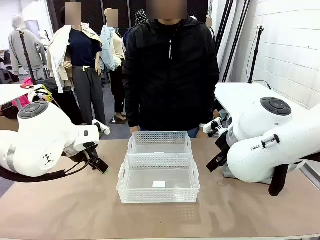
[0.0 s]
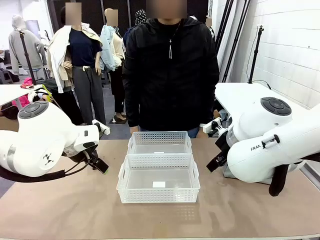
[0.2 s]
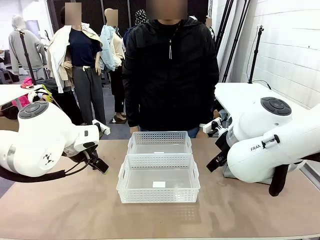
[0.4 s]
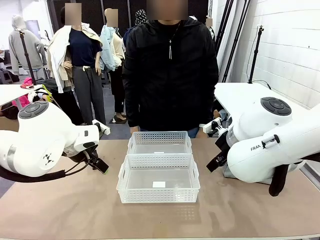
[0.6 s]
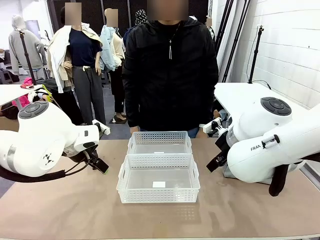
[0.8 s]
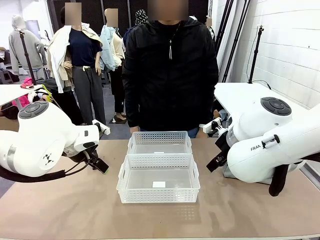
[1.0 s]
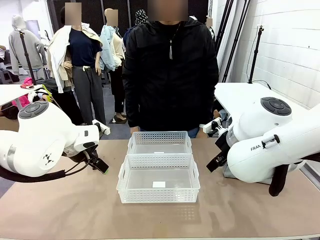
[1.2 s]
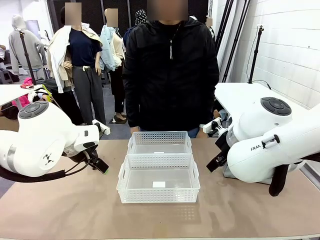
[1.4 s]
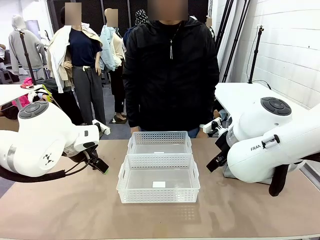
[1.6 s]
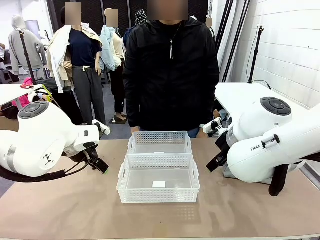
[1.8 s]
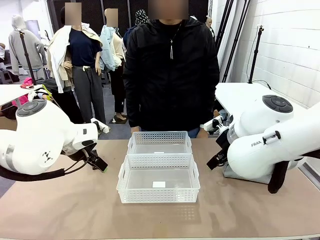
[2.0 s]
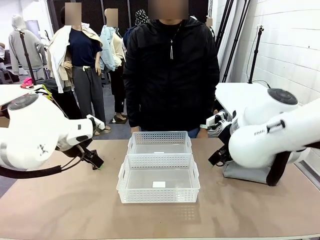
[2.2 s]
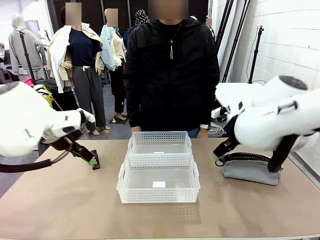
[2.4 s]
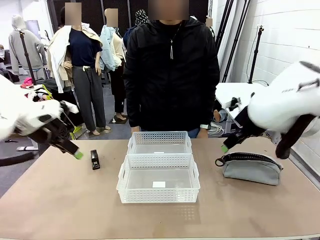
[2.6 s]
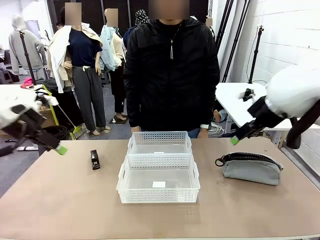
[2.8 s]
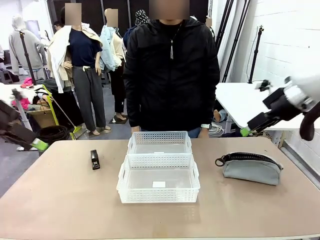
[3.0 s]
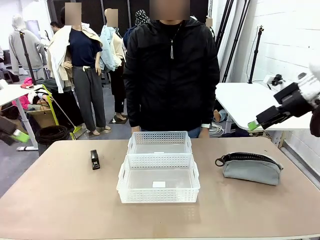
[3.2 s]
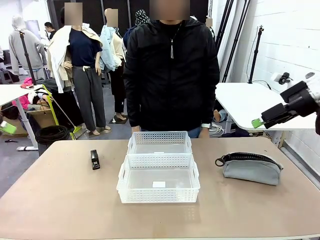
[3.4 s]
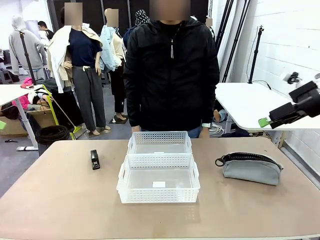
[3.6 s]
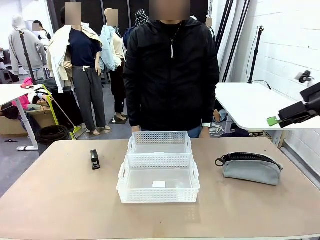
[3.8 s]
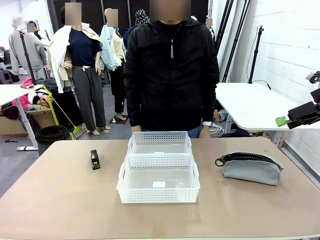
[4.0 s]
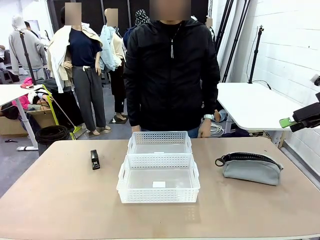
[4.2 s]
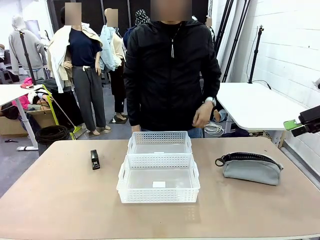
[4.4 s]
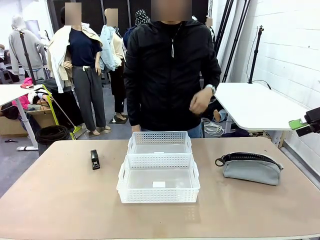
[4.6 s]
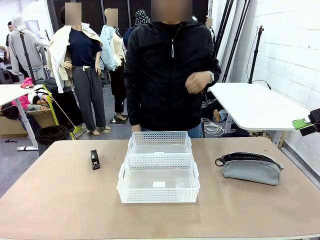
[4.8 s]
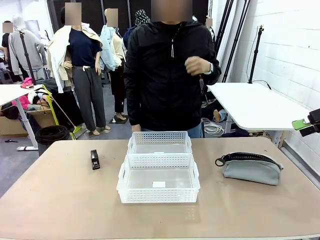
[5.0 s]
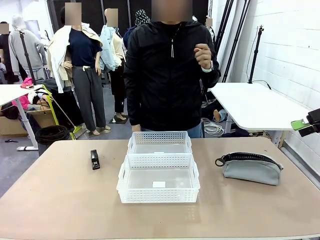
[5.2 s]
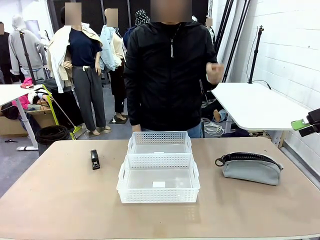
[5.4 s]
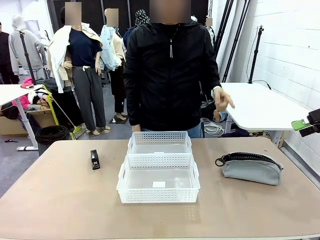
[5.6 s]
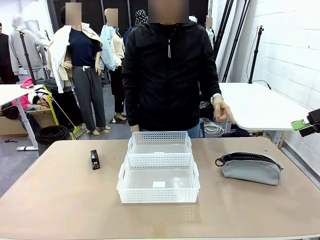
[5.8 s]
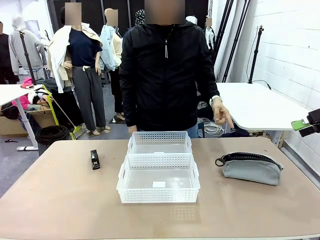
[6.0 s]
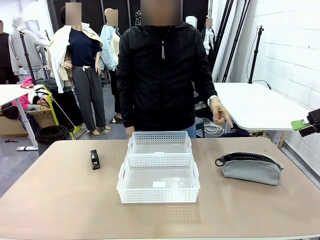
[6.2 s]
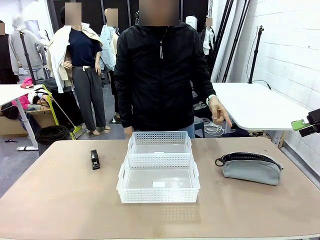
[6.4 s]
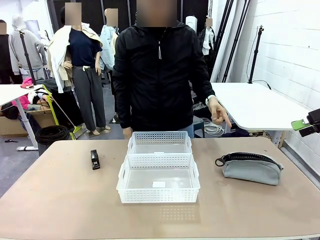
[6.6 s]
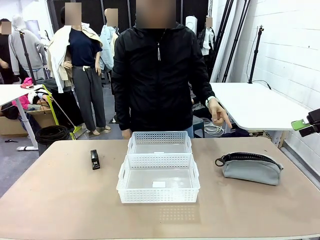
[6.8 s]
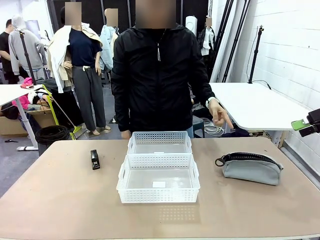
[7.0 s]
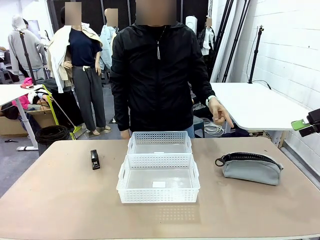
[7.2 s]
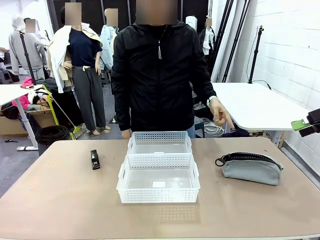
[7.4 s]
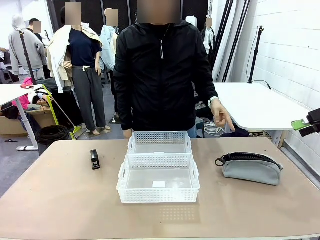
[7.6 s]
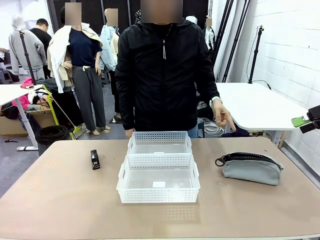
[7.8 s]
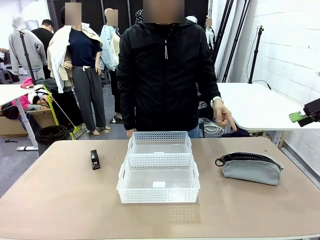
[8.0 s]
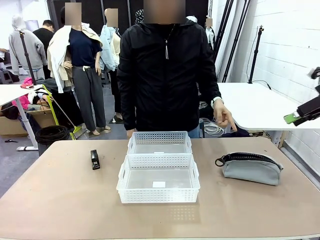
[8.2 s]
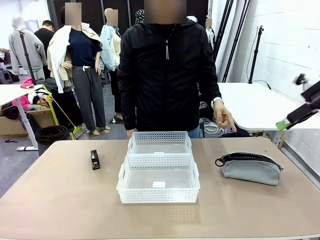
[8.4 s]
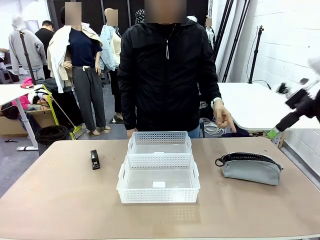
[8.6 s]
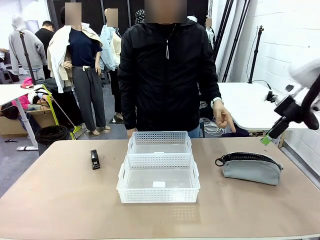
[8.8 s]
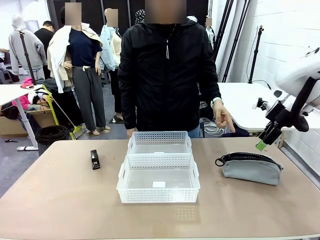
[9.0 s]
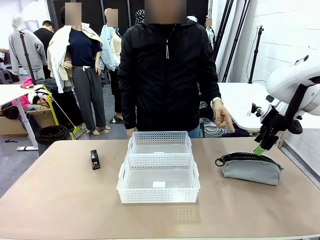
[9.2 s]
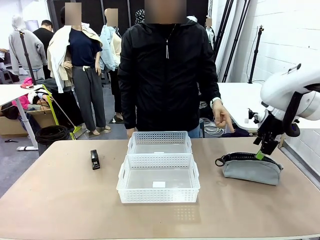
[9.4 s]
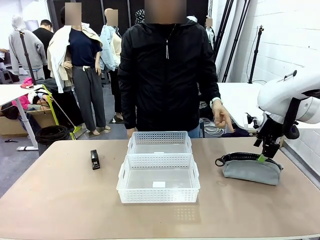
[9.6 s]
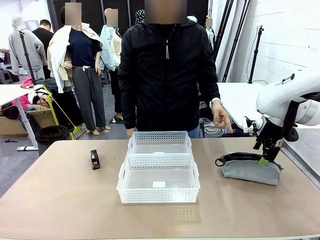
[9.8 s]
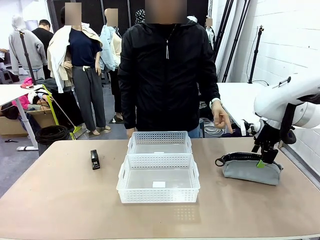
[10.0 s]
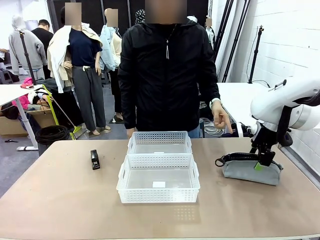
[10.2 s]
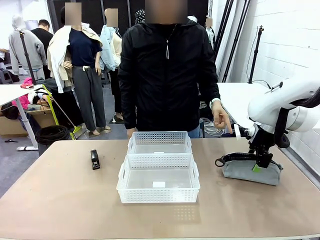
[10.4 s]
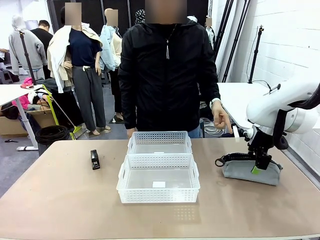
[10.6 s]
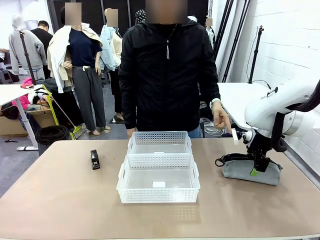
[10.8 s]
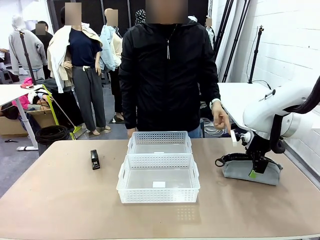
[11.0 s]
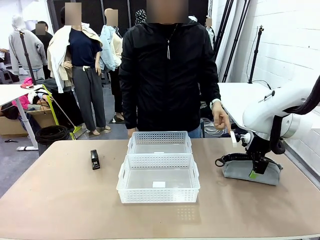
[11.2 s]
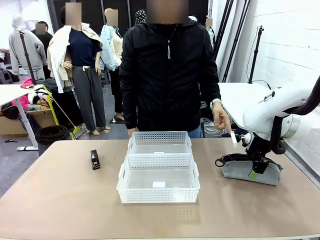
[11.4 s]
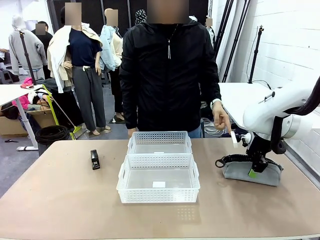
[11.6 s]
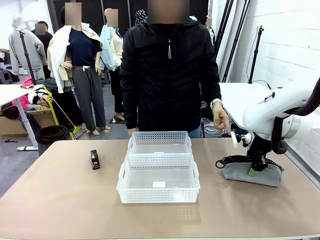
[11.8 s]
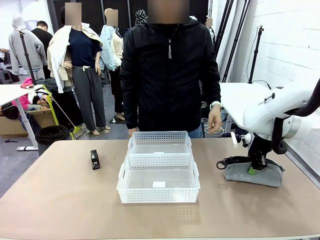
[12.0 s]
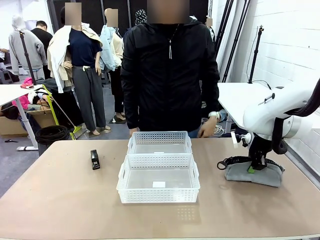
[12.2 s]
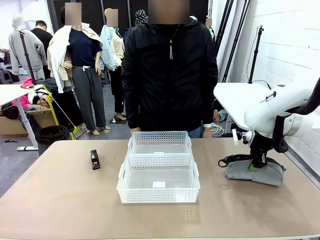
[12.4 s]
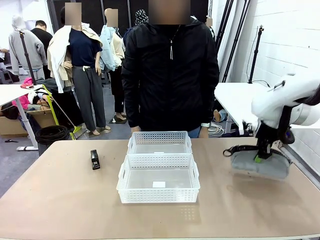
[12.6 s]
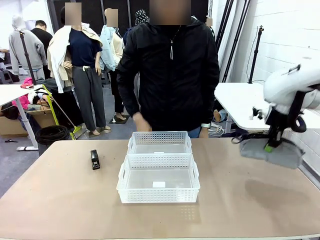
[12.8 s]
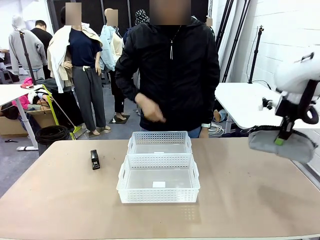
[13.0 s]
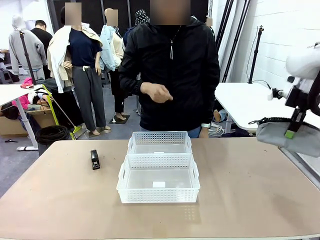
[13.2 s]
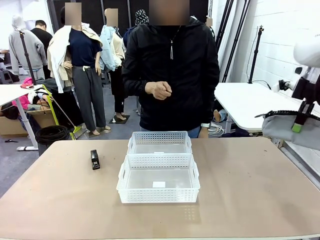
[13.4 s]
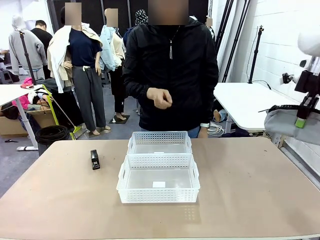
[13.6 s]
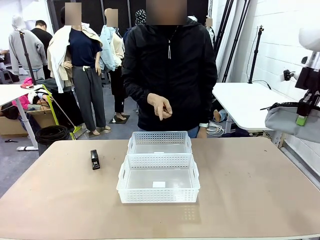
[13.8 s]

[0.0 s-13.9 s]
Task: Distribute items into two baskets.
Robot: Pick up the Pencil pouch that the person points to.
Person: Points to the pencil case. Points between the two organizing baskets and instructs the robot to move the pencil case.

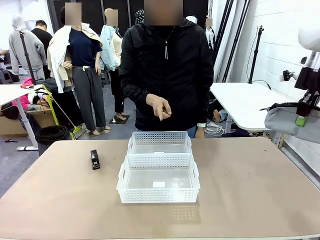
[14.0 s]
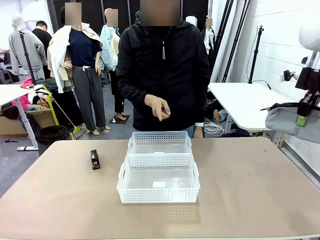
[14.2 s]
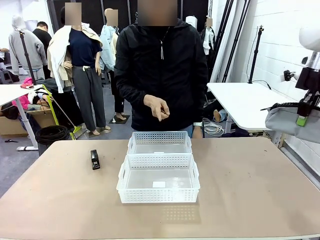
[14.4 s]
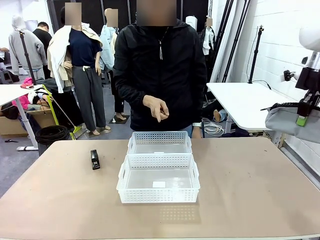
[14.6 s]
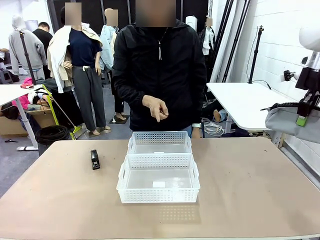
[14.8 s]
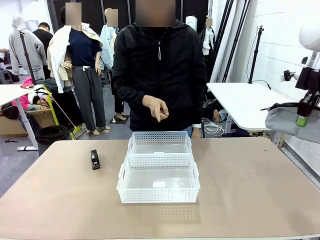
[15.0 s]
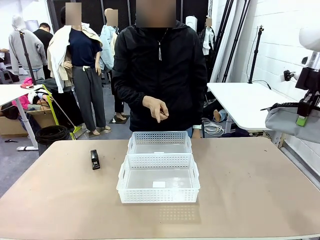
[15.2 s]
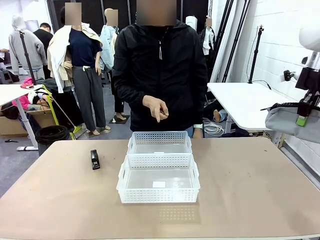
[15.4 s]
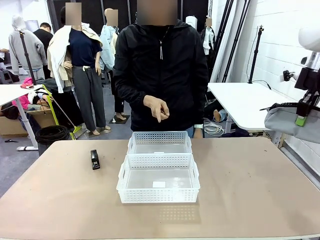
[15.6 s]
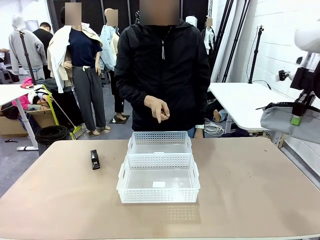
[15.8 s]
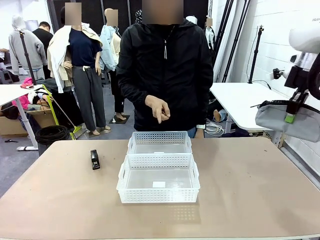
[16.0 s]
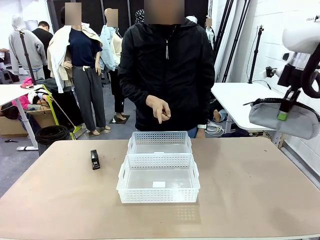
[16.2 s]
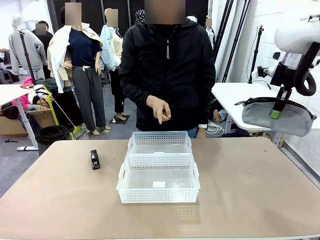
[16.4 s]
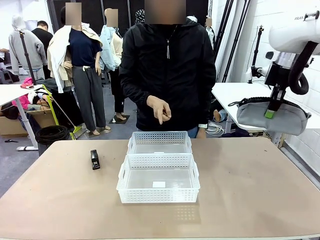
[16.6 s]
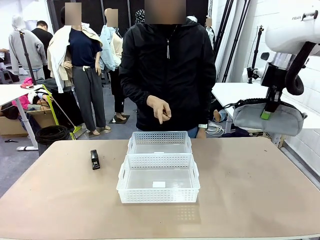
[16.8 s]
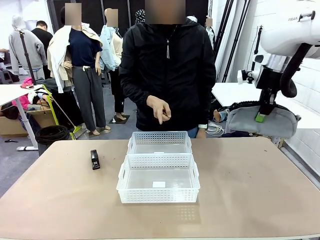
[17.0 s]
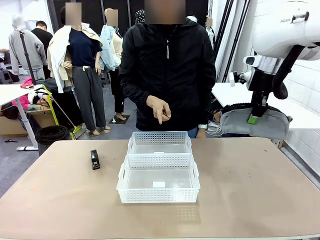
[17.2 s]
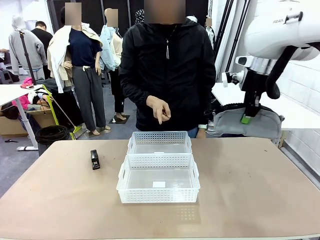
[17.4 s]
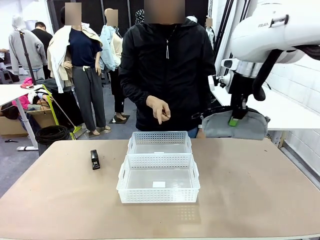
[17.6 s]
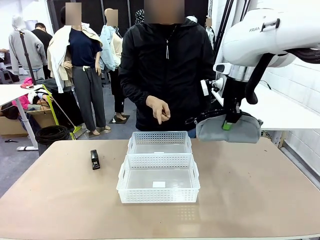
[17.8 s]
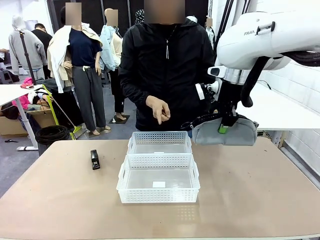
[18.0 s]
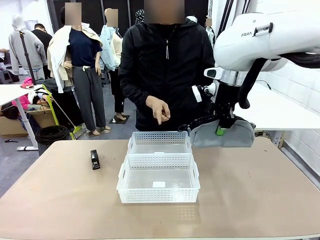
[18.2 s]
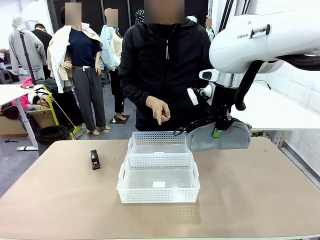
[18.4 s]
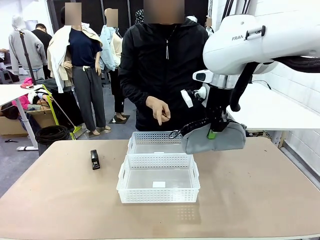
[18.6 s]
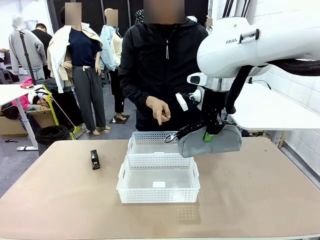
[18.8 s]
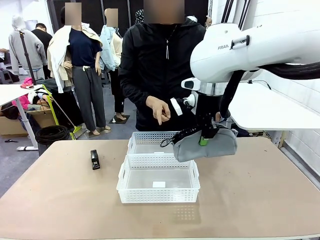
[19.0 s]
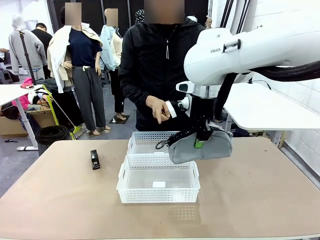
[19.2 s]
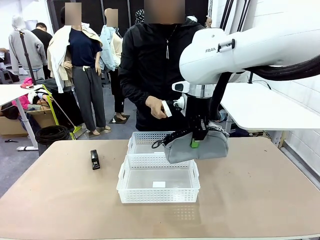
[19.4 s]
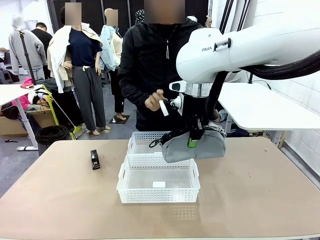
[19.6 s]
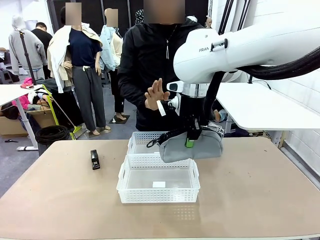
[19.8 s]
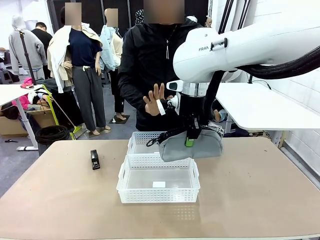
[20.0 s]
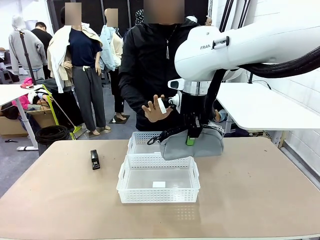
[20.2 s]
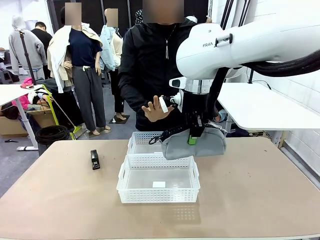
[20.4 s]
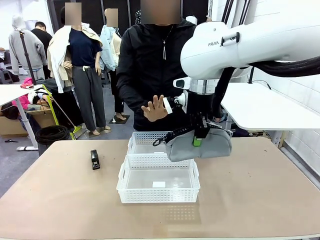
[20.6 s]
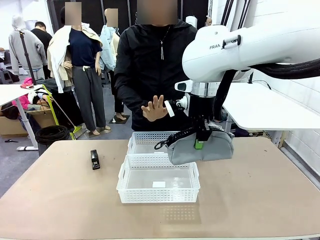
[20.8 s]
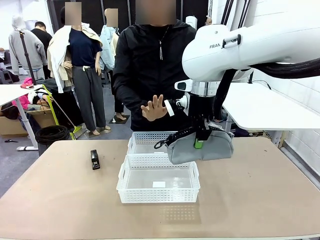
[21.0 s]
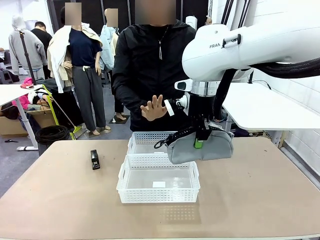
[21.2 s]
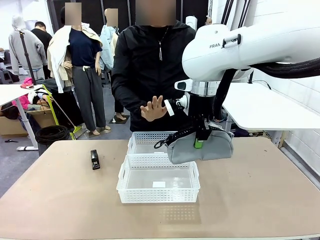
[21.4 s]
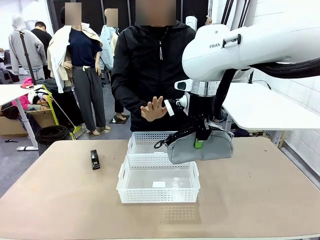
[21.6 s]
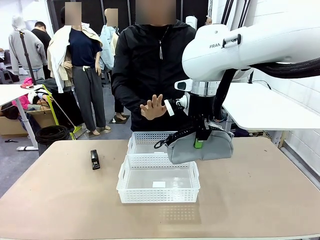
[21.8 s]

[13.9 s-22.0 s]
Robot: Move the picked Pencil pouch towards the Organizing basket indicated by the person, stopping as directed.
Person: Sends a stop gesture before the robot places the pencil case into the basket.
